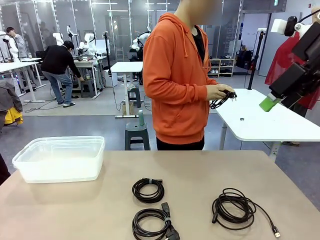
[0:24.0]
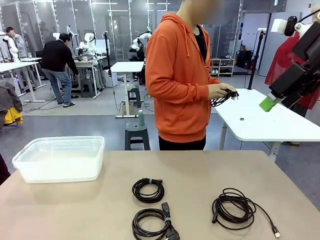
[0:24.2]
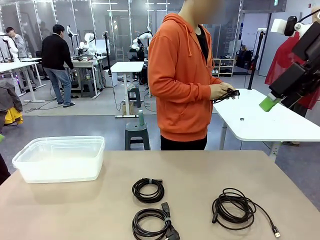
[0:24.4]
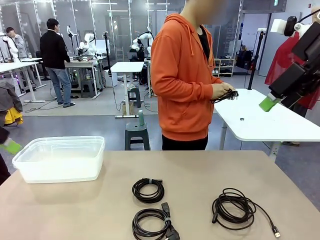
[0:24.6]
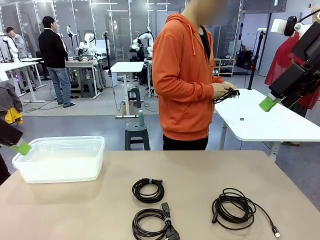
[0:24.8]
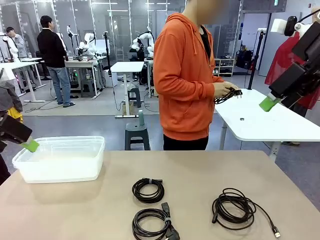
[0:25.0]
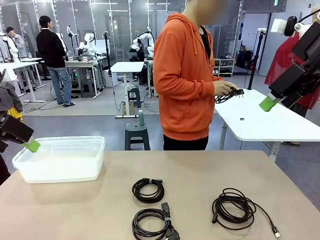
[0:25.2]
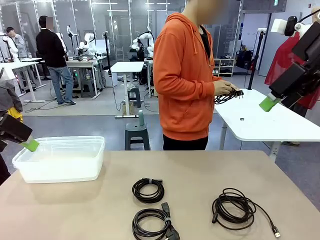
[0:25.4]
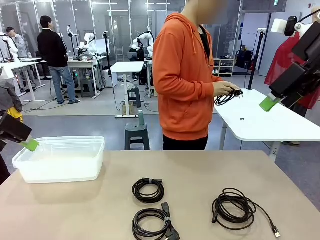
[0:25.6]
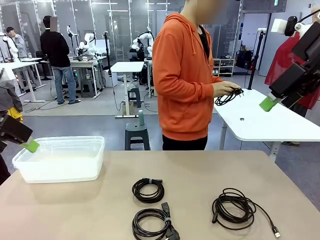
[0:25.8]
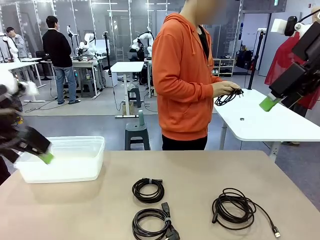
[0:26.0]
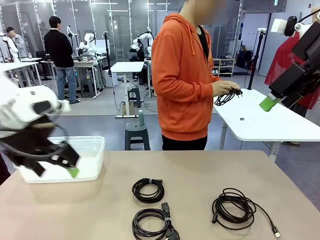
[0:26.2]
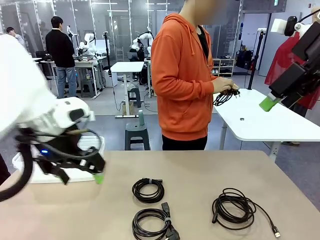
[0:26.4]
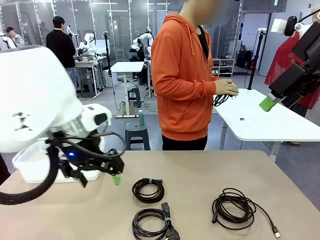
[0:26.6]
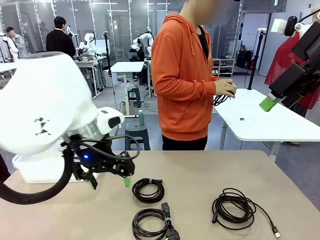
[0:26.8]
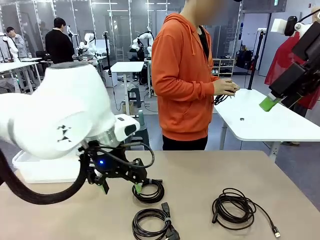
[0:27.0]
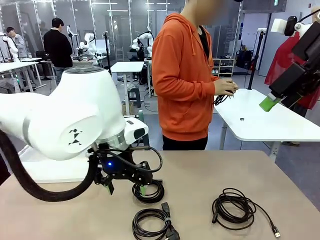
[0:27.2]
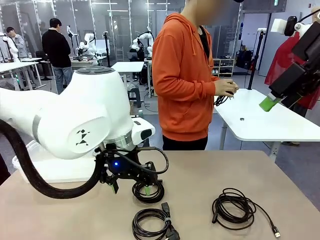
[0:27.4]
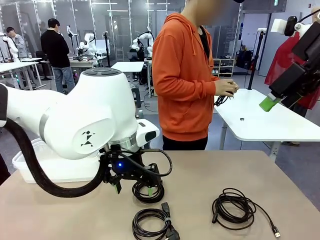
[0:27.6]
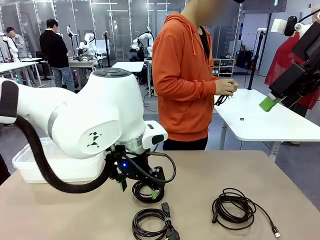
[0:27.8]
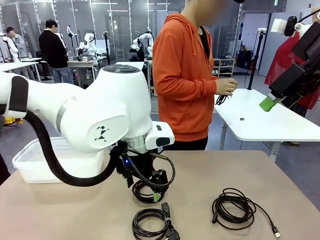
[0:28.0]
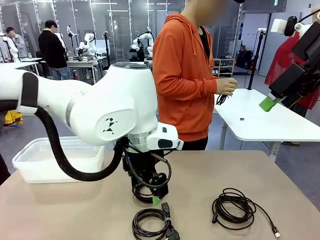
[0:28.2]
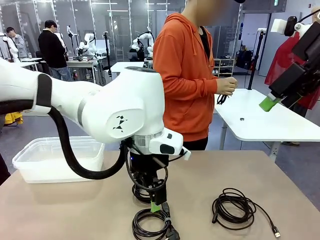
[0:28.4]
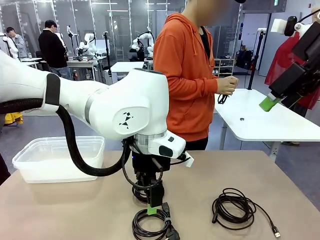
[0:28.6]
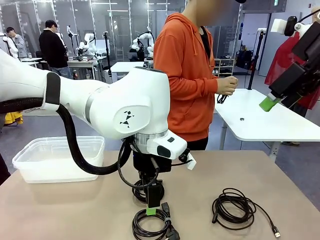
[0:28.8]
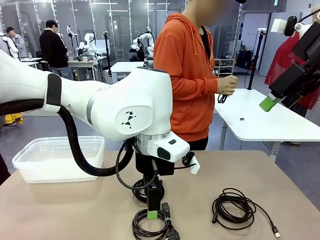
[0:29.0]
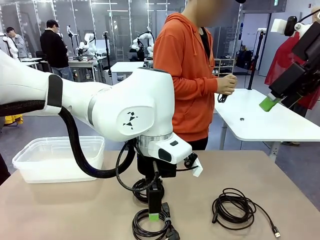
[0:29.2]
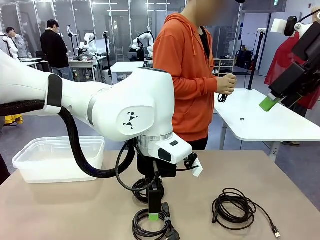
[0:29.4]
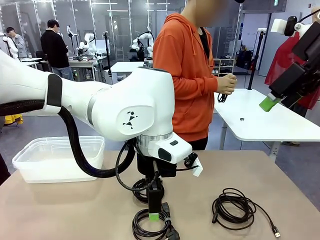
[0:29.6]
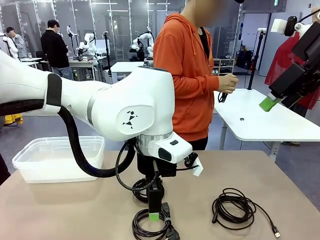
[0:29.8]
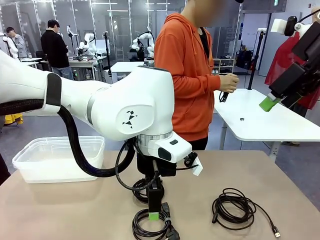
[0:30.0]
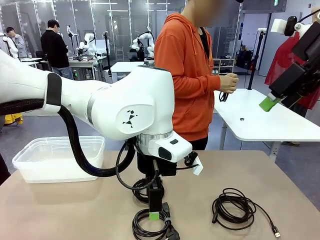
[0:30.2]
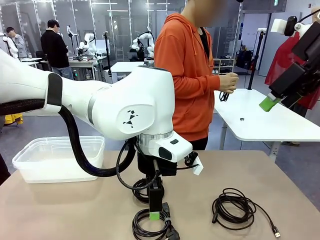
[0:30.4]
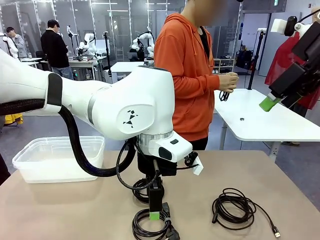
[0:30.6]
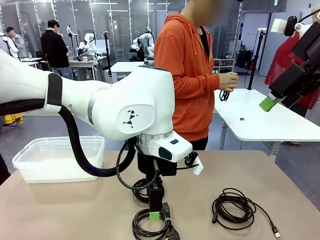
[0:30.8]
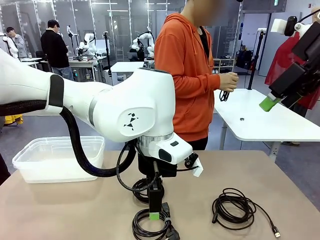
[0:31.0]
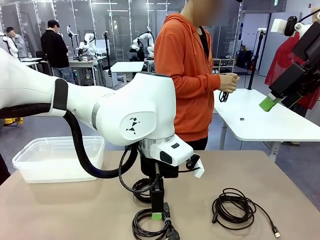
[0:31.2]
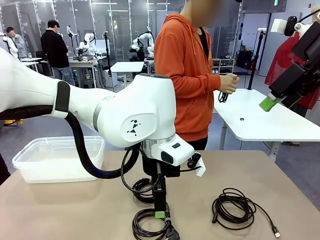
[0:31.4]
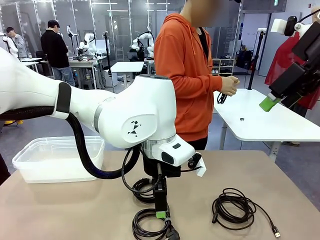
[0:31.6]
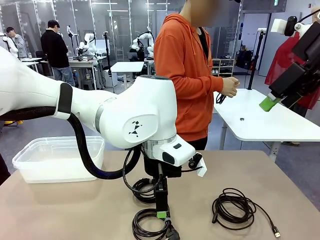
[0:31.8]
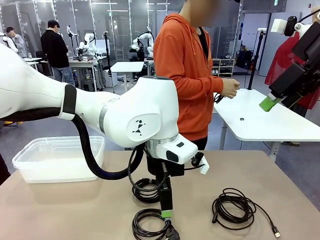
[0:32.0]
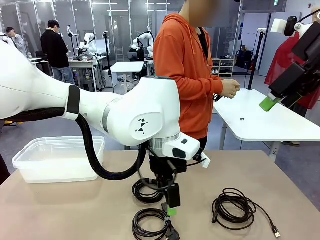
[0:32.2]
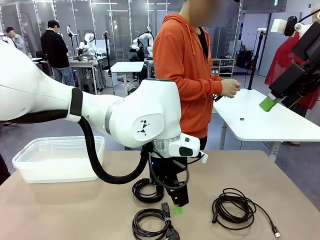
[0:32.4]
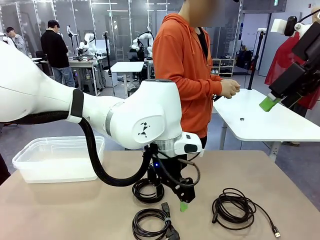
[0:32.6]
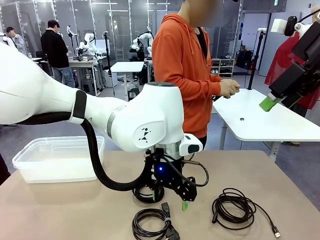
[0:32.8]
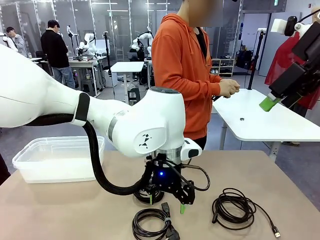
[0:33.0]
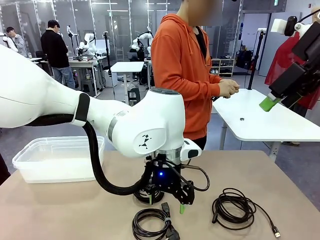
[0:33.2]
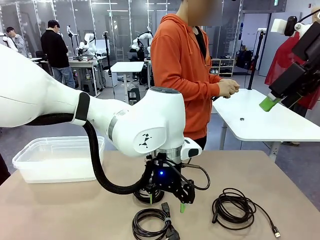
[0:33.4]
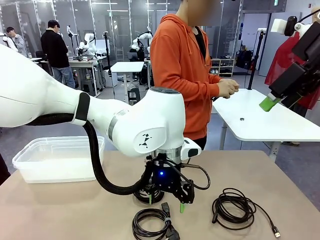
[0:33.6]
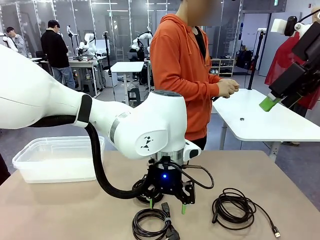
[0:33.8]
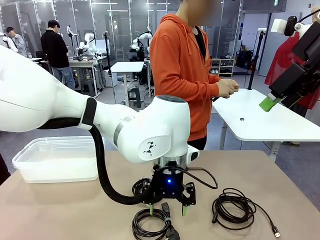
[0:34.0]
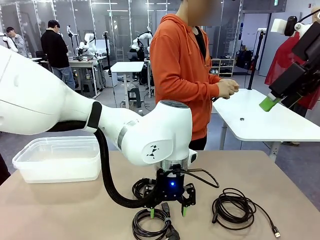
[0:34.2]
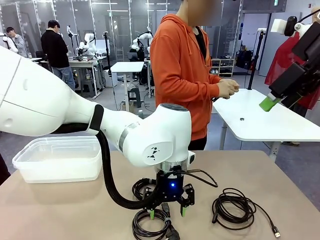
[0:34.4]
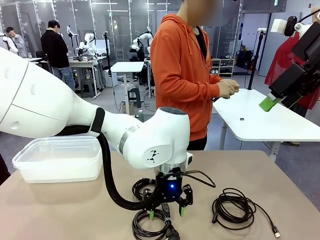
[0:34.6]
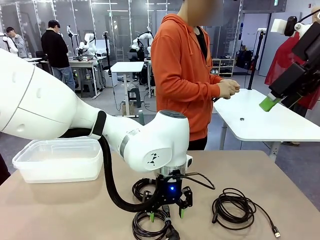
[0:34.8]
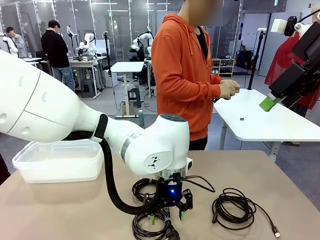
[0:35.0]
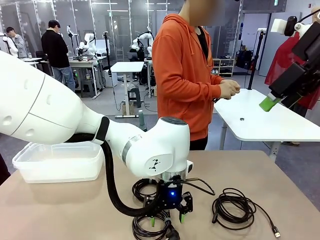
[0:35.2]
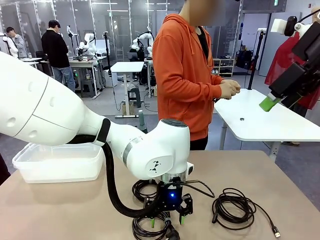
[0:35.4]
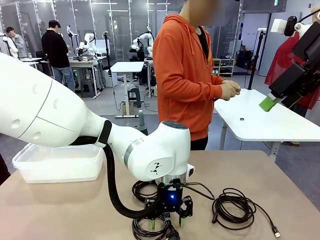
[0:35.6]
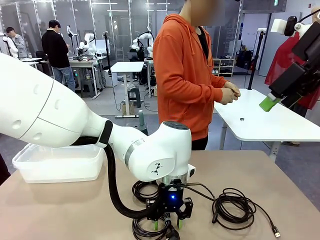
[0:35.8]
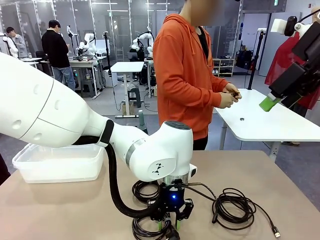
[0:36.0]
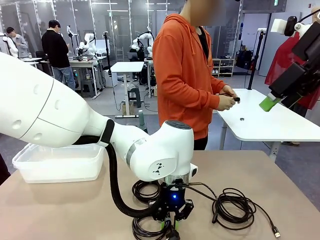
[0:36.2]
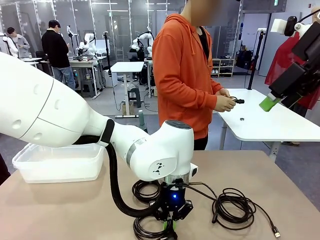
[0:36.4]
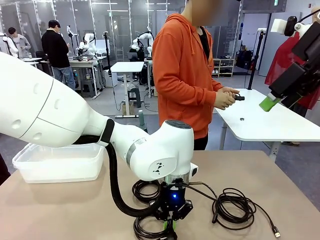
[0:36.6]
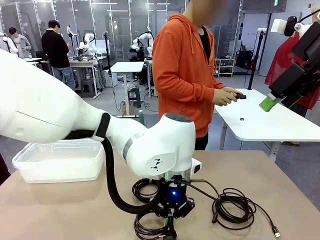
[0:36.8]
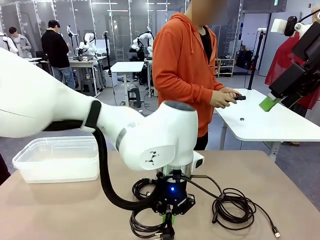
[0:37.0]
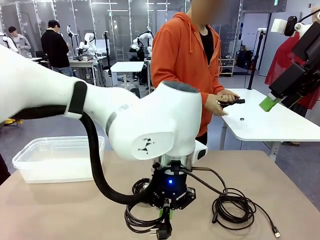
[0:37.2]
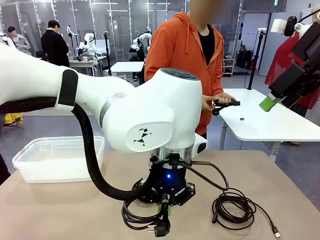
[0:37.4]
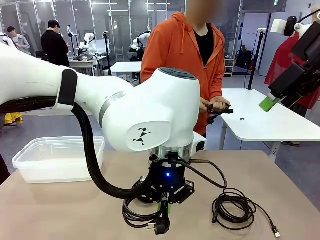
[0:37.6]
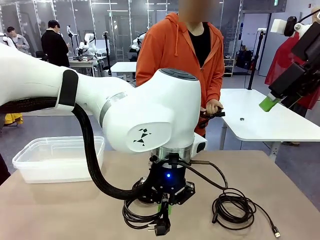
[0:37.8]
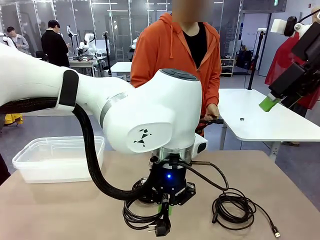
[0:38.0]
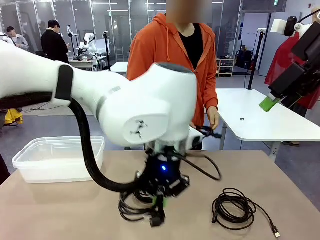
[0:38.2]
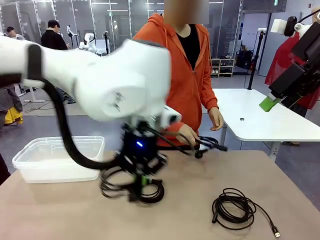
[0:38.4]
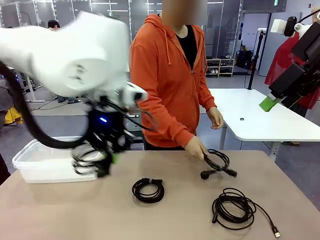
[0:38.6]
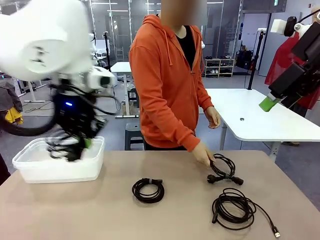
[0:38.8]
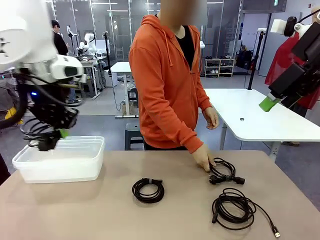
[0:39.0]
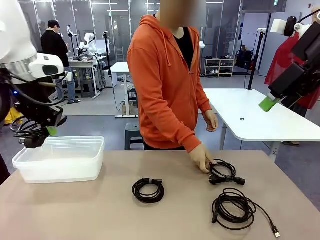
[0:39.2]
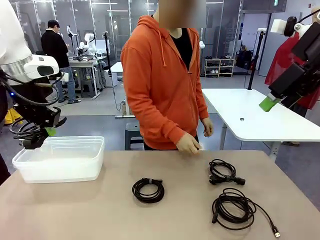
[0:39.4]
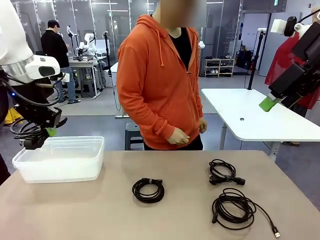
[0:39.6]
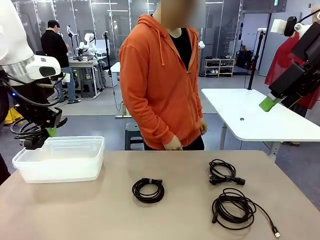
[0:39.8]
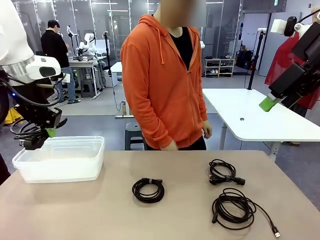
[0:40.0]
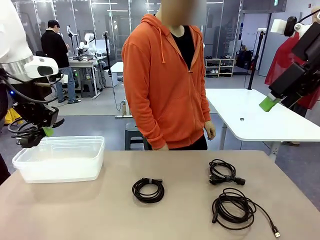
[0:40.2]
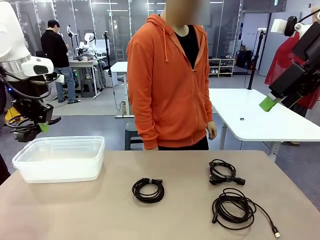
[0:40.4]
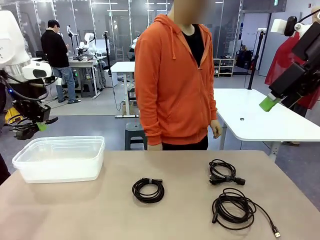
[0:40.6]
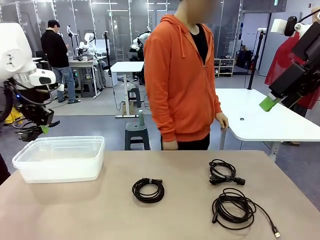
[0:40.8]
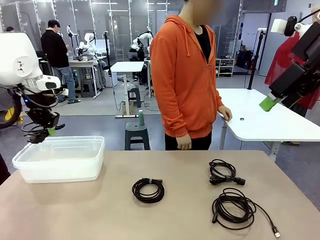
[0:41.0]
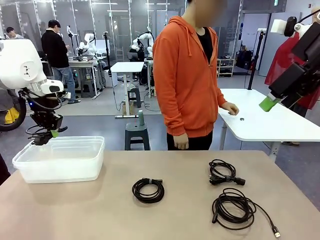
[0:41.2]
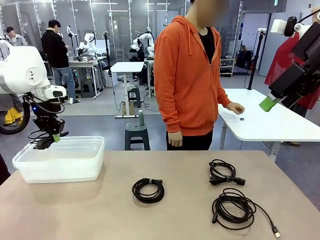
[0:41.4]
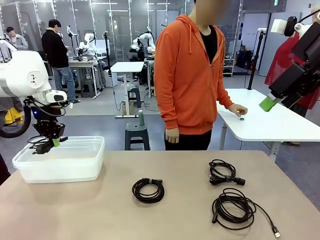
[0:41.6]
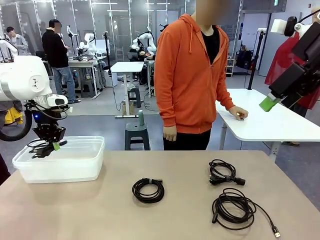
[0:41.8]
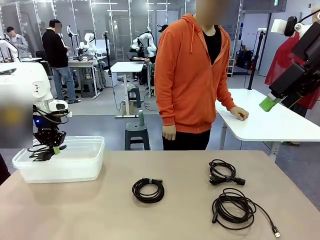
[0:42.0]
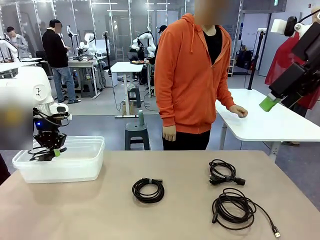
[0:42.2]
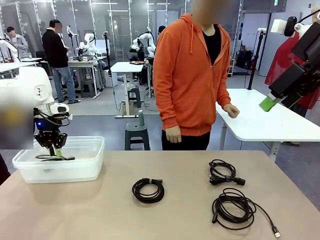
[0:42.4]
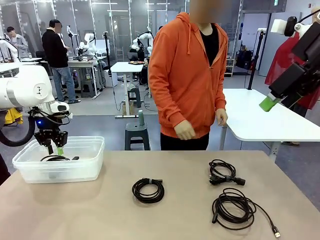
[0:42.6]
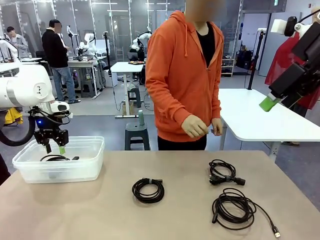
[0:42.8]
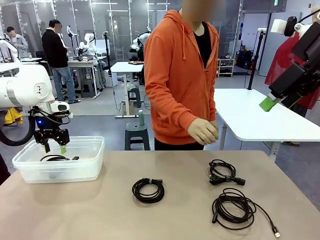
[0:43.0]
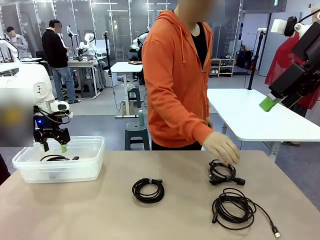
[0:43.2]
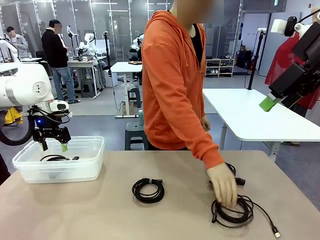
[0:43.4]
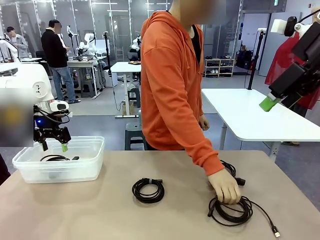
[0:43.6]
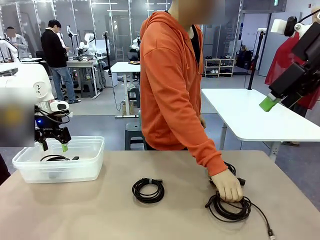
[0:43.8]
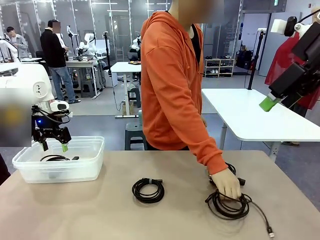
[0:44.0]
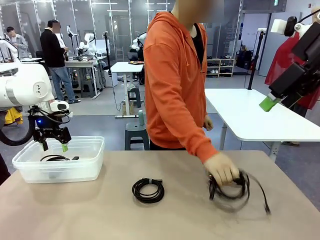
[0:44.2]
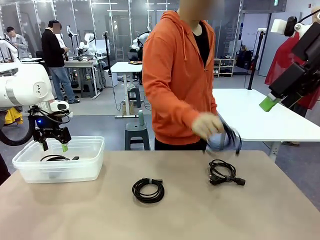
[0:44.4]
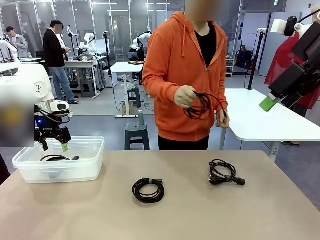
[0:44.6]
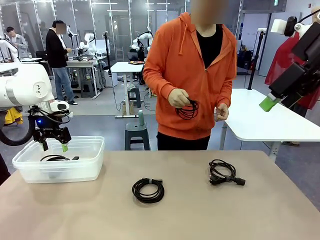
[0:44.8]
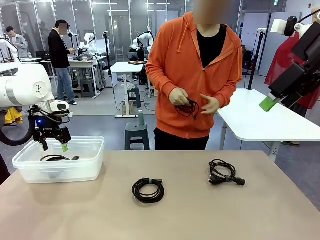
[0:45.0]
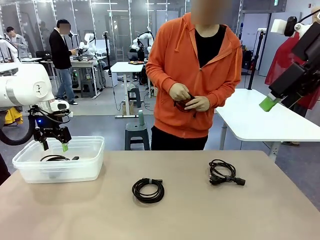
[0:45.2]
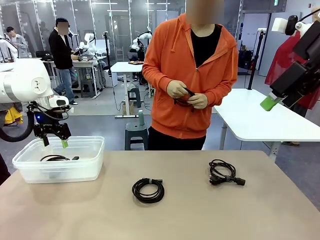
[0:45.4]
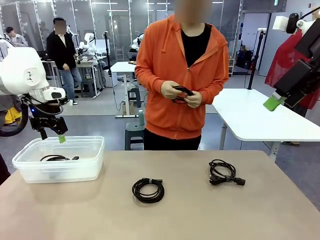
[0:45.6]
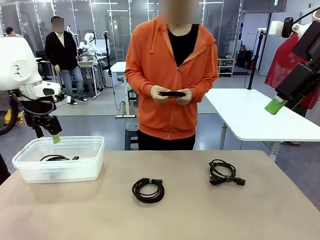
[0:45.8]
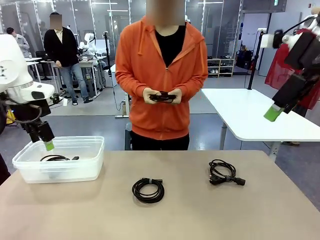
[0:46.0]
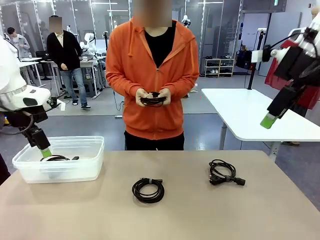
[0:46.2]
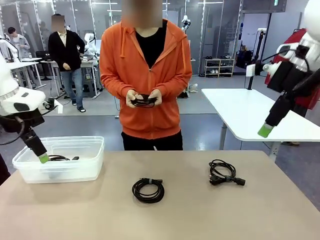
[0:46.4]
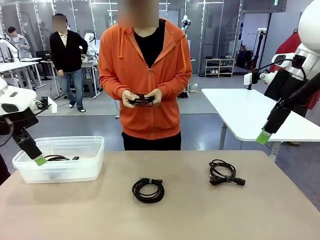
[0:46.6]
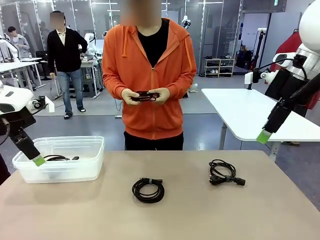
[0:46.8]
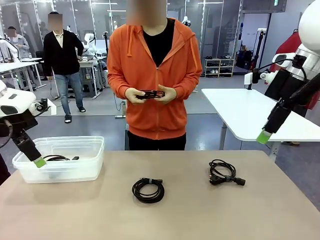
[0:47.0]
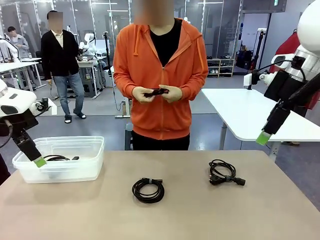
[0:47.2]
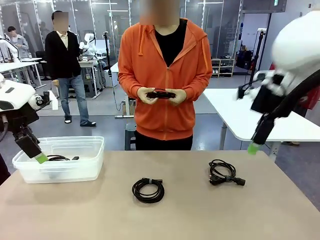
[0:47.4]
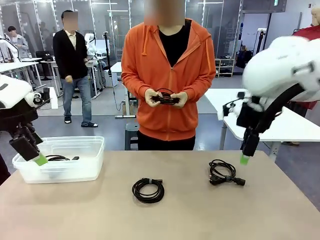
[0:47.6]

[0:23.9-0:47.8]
Task: Organize and store the cables.
Robot: Place the Power Cable into the Organizing box.
